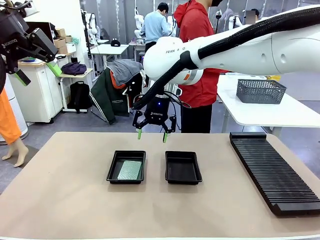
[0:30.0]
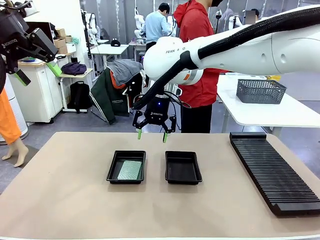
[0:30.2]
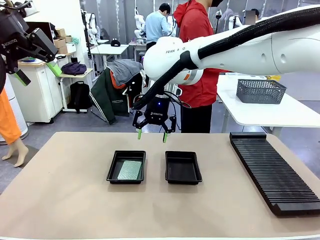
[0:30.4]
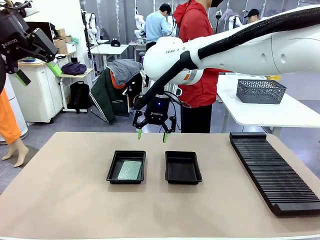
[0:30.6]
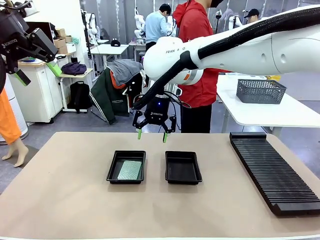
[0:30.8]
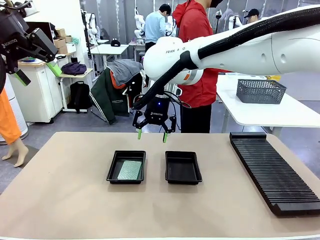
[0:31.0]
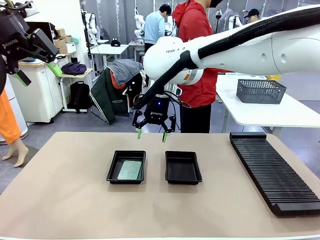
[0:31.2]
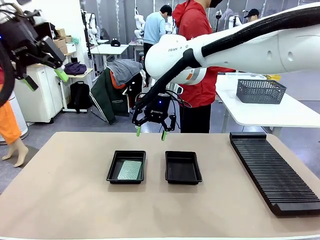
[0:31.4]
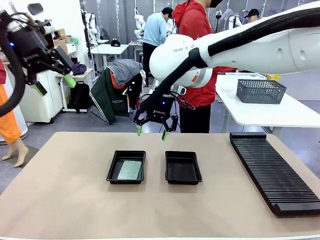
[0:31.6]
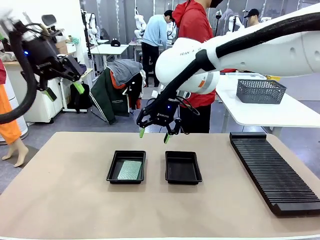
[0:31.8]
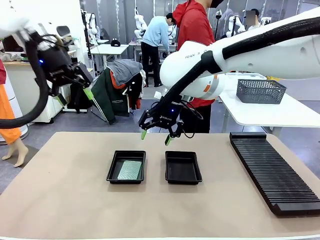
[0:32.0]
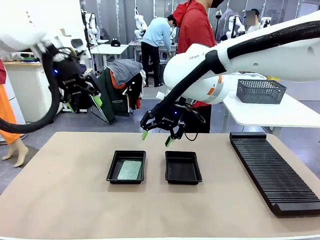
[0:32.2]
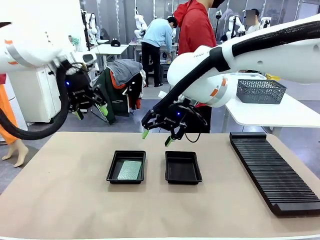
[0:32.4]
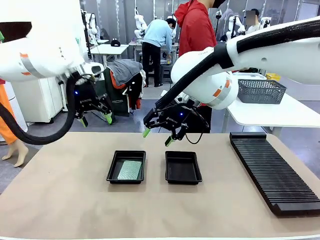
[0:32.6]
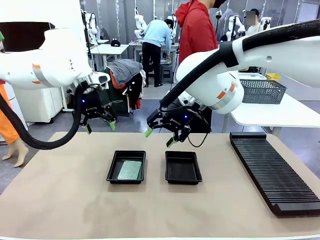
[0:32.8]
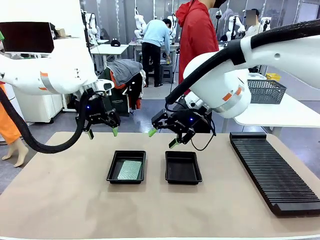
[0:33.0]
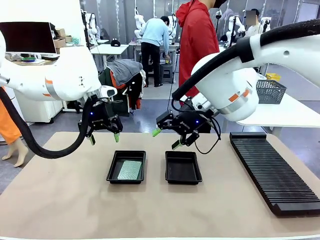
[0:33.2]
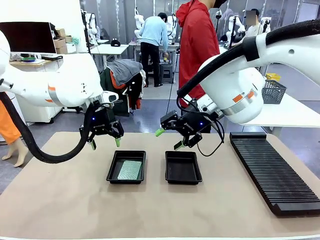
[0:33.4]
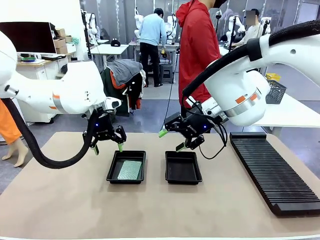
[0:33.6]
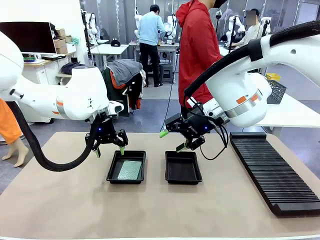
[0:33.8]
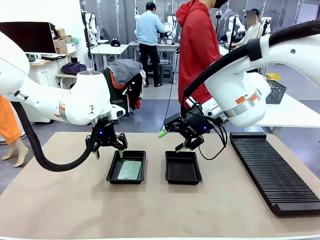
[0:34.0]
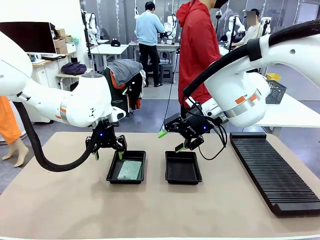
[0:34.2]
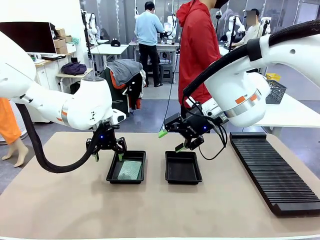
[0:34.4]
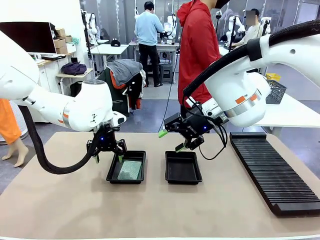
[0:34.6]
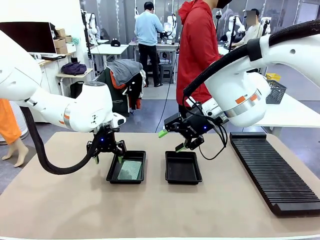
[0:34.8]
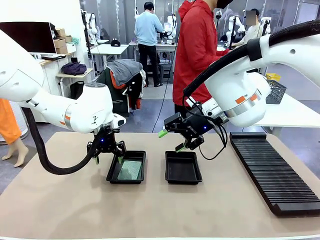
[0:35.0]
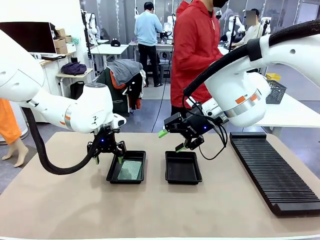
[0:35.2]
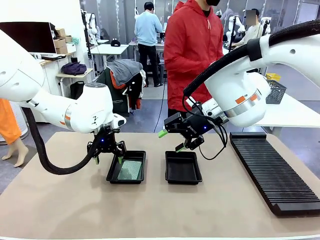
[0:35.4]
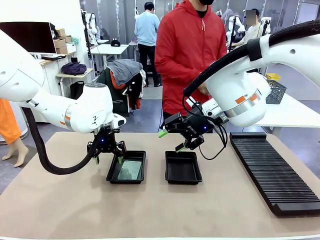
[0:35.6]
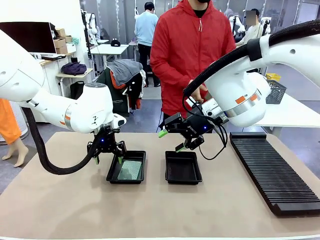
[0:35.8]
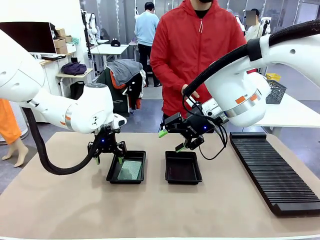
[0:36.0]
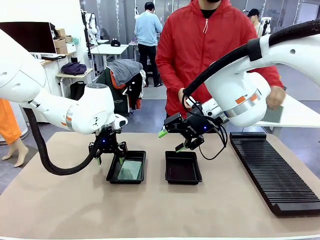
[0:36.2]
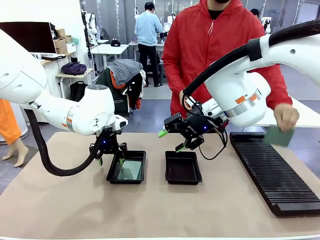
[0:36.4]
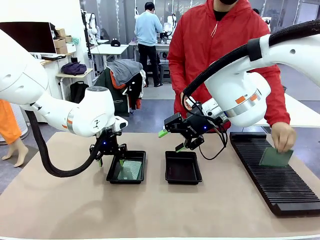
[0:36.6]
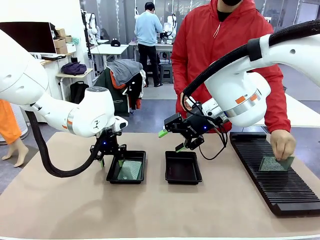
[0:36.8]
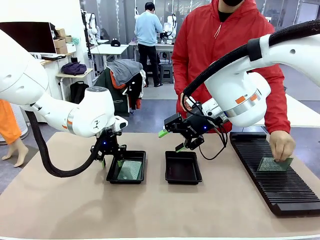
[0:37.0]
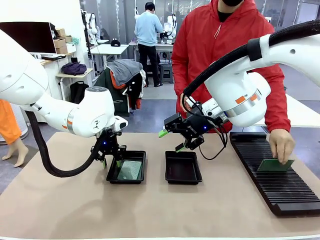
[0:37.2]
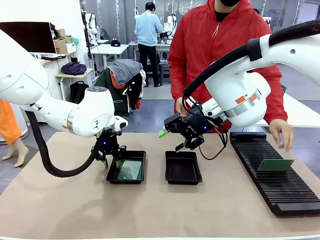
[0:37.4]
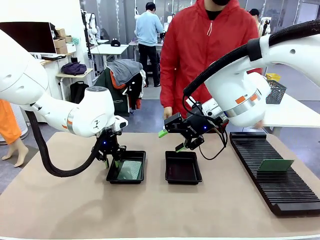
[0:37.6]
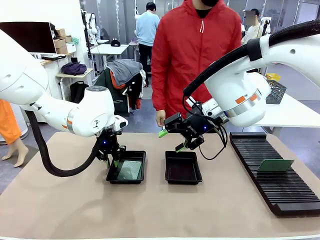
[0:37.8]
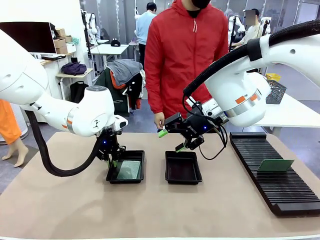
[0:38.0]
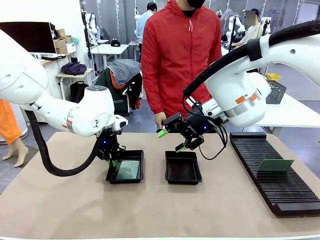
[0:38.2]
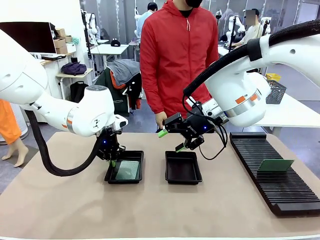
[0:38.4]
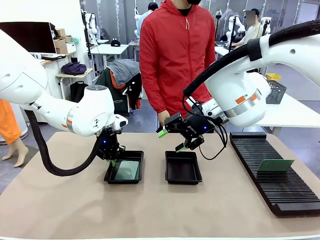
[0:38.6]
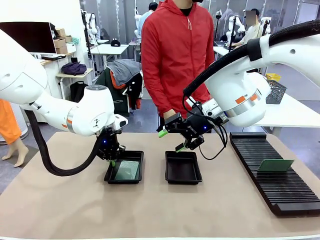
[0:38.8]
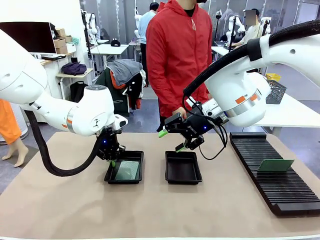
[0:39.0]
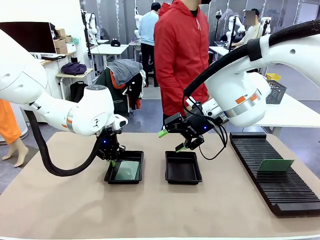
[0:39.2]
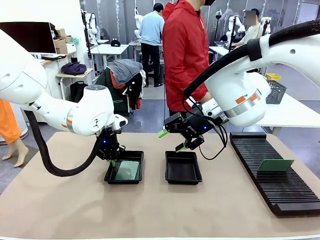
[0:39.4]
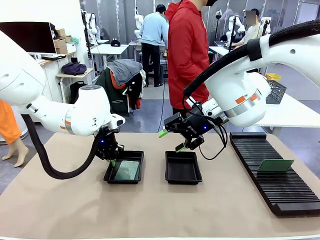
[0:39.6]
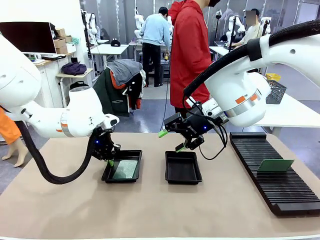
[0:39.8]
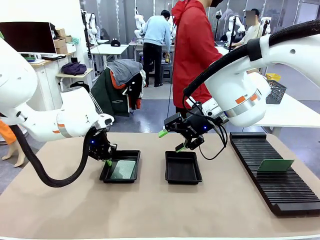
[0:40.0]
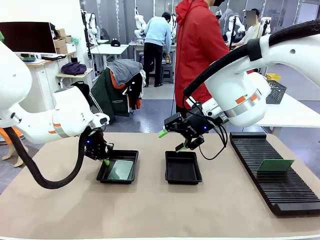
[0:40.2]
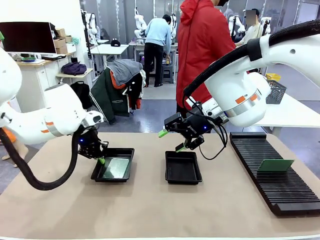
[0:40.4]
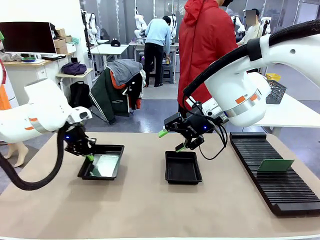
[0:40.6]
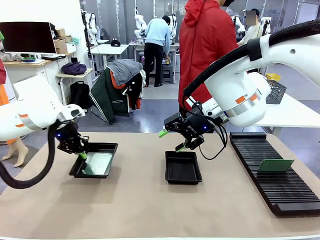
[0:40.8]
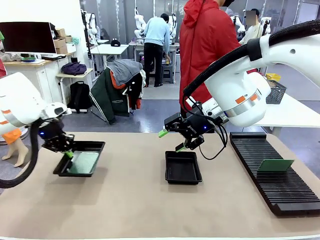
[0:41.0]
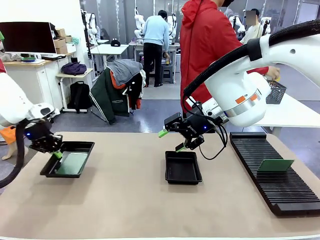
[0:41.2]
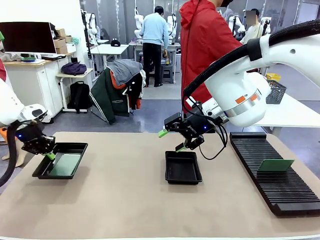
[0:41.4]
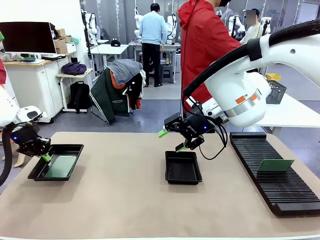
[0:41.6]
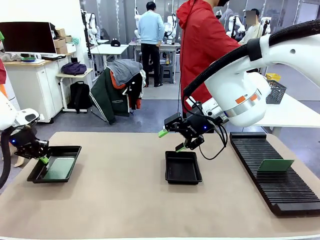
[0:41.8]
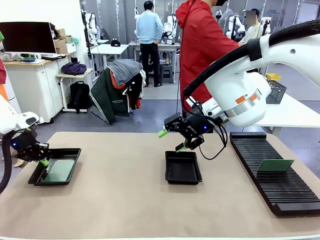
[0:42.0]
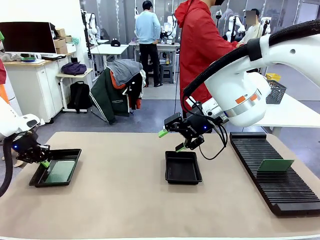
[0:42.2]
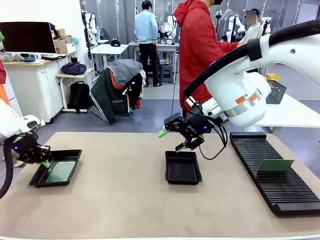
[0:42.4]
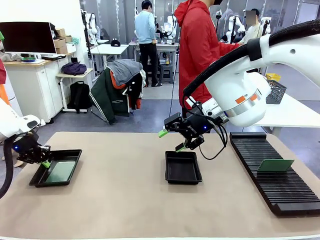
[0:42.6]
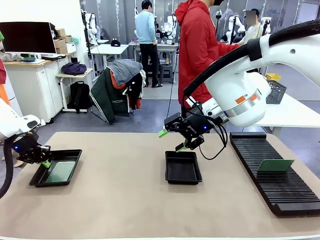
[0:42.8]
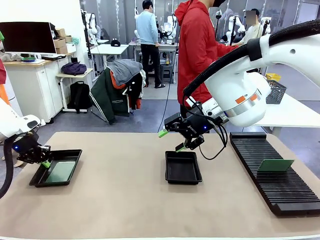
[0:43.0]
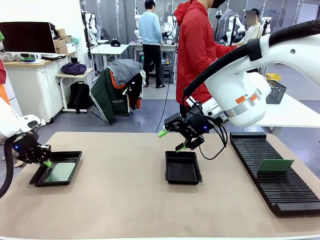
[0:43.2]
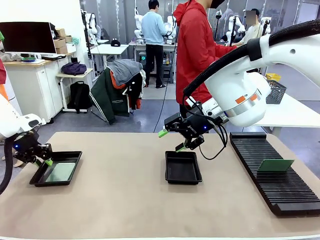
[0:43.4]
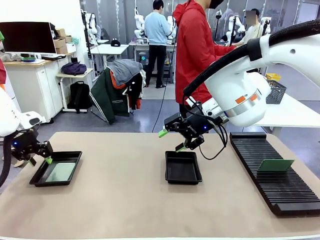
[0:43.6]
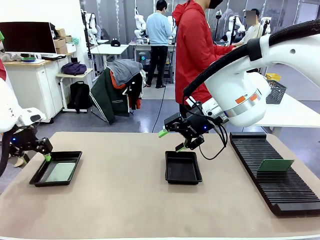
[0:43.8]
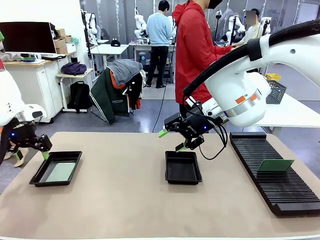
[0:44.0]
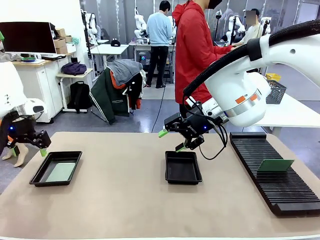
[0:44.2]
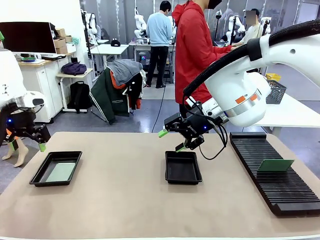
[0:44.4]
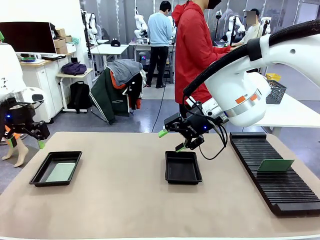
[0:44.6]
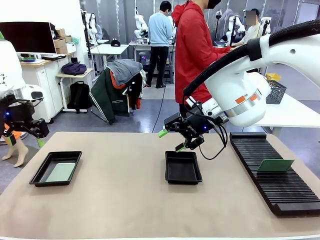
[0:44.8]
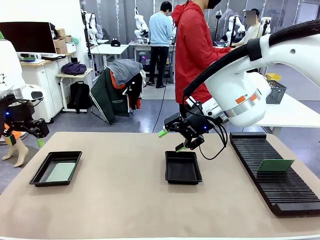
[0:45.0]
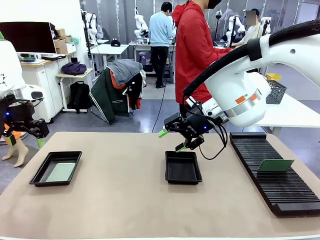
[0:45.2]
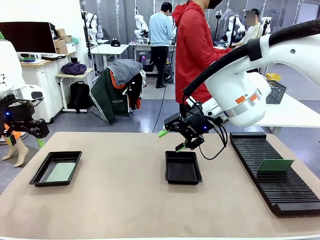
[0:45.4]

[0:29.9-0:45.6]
Task: Inspect and transfer BCBs to ESD trays.
Robot: Pick up the ESD tray and place it on the left side of the table.

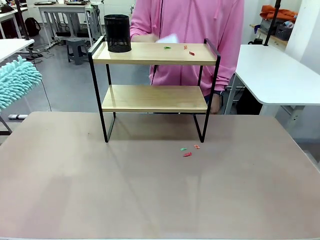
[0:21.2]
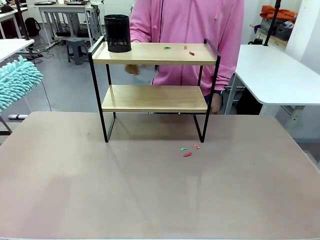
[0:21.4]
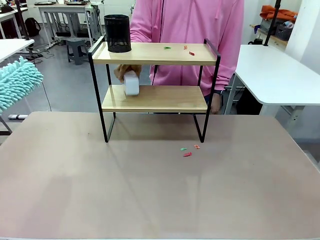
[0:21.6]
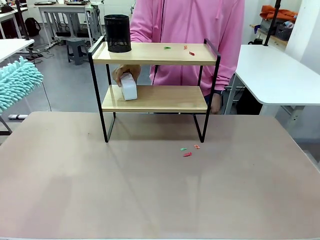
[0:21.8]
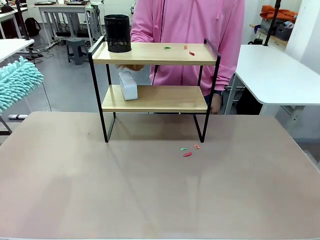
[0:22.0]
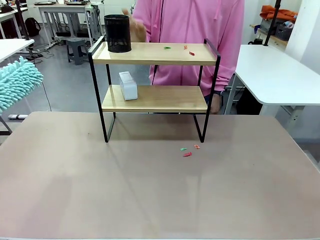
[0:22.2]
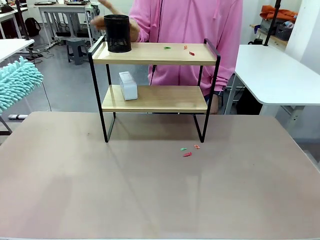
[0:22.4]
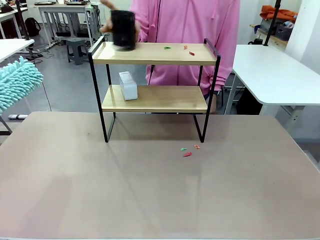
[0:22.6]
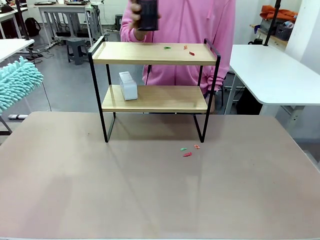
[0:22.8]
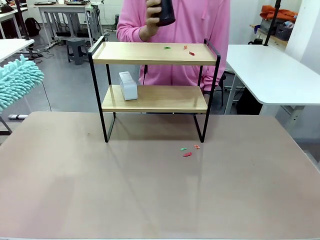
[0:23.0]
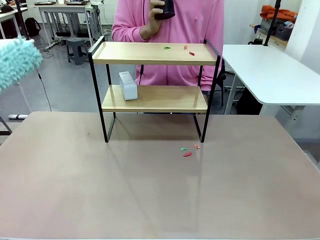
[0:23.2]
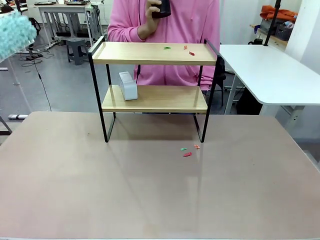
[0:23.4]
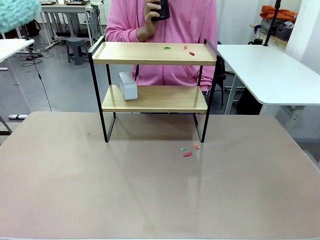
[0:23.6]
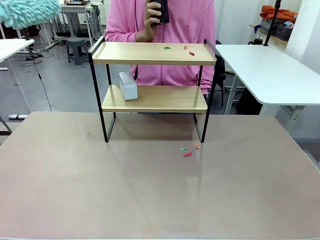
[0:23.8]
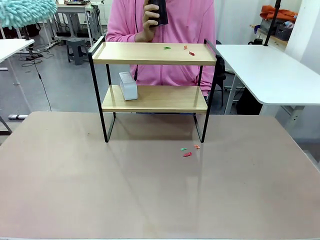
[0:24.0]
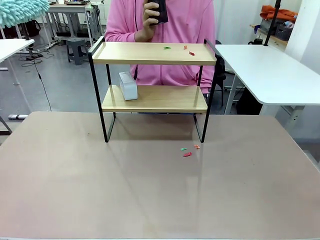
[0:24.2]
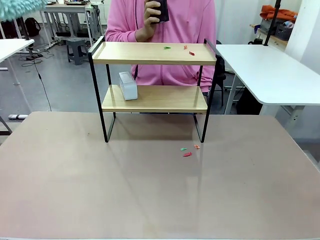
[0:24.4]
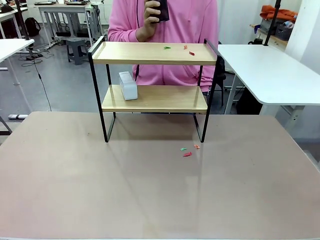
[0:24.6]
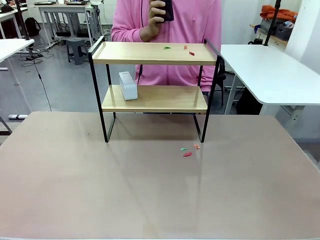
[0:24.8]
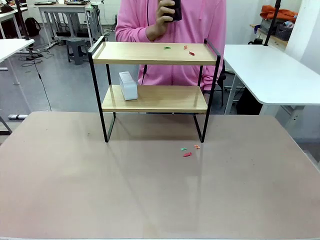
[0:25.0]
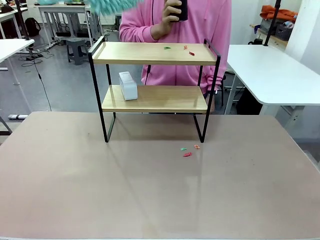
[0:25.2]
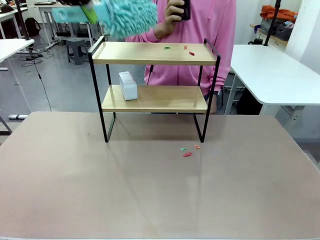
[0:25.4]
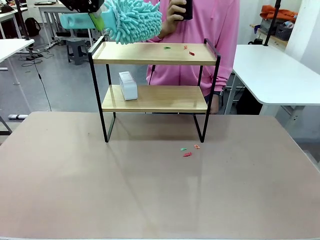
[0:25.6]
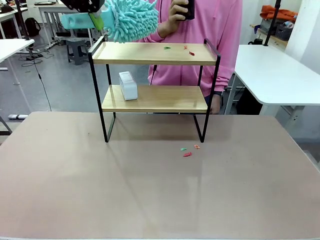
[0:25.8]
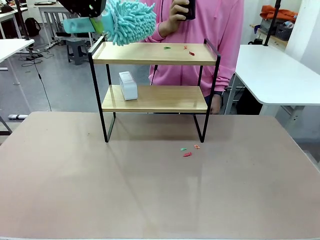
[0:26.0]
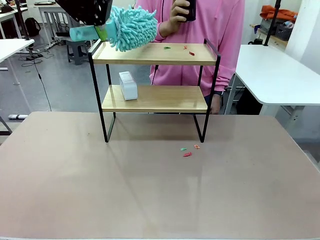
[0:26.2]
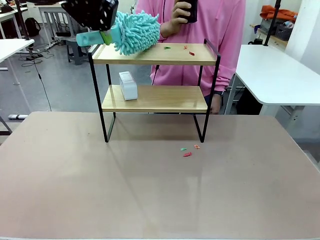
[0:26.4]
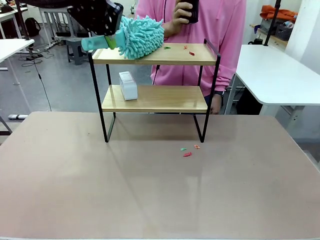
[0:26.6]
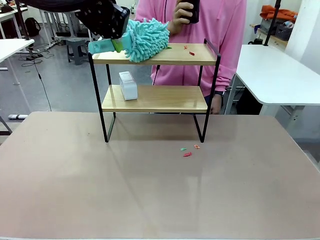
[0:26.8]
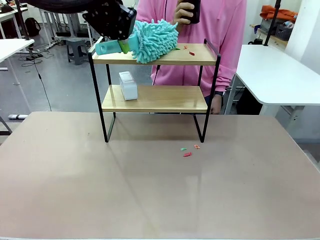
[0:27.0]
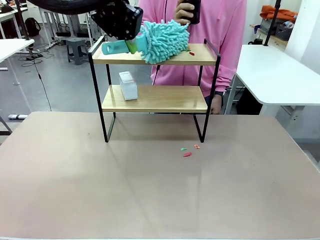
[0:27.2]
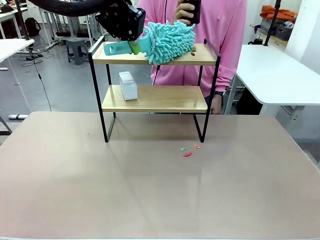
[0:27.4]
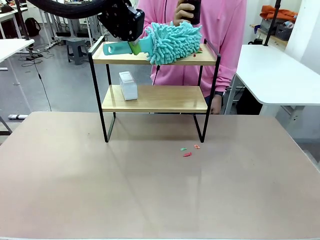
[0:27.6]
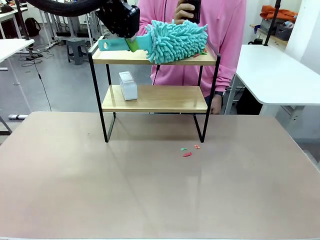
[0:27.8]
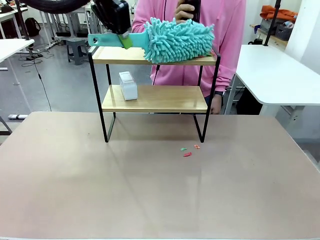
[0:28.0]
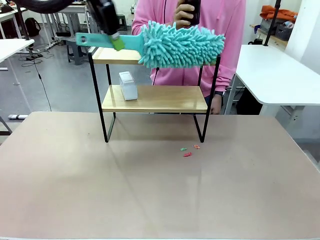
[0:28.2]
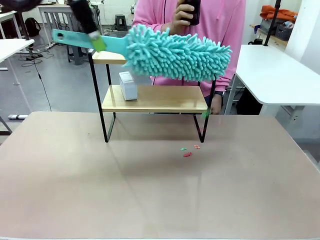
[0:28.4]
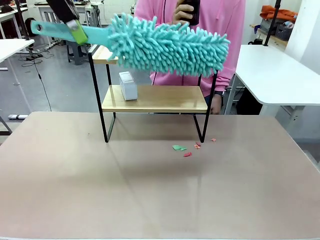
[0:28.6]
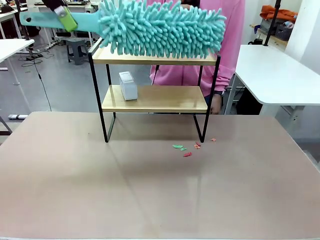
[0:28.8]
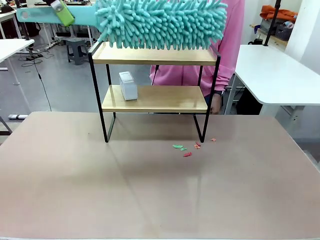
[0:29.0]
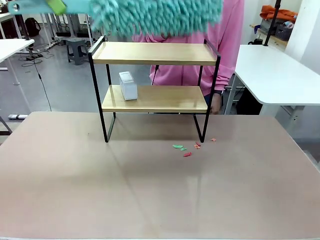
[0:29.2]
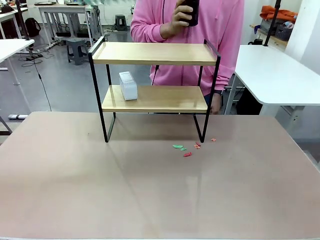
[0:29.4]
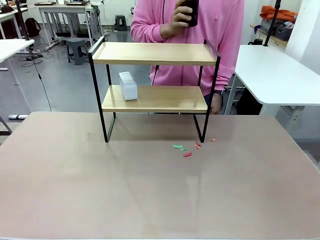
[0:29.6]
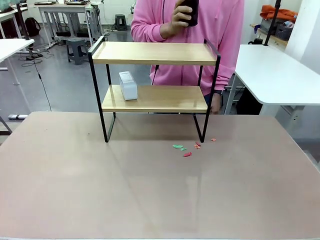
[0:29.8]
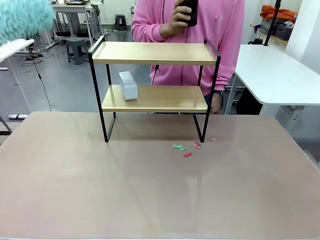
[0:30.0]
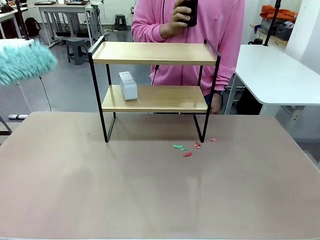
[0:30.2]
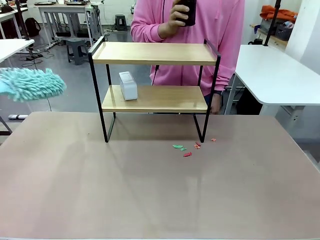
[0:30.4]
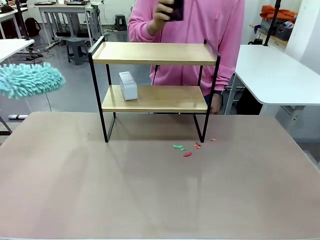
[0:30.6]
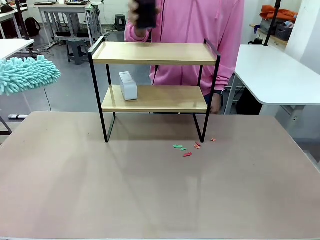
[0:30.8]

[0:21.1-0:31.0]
Task: Clean the shelf.
Robot: Clean the remaining tier of the Shelf with the Duster once objects are removed.
